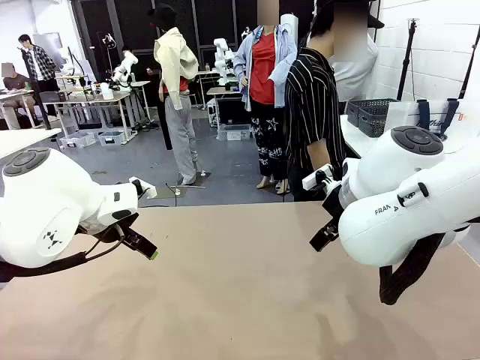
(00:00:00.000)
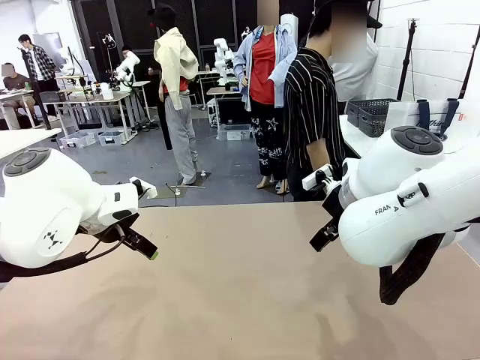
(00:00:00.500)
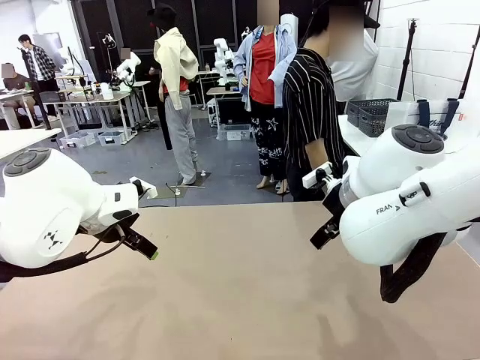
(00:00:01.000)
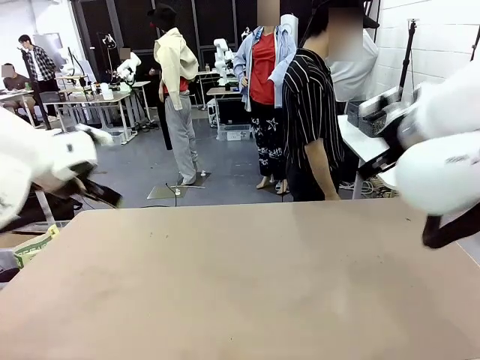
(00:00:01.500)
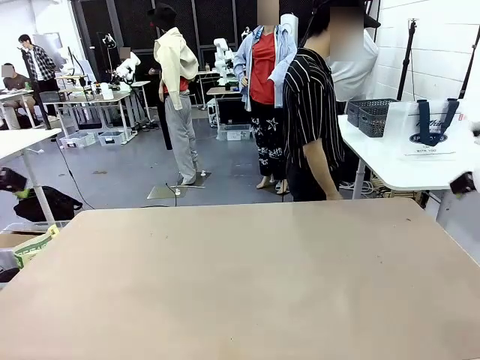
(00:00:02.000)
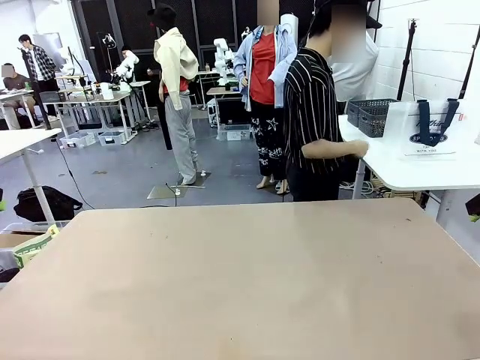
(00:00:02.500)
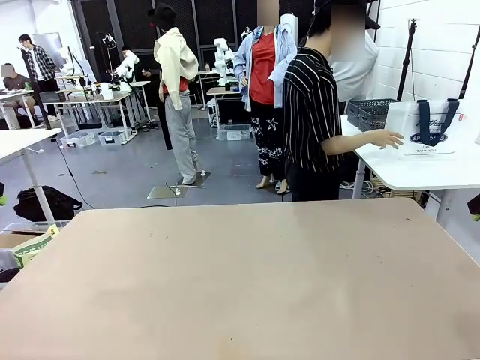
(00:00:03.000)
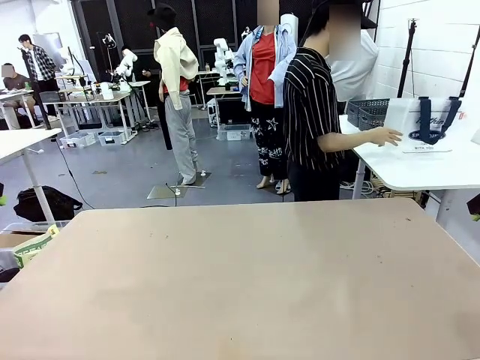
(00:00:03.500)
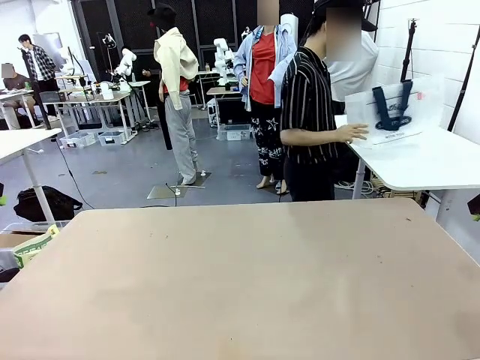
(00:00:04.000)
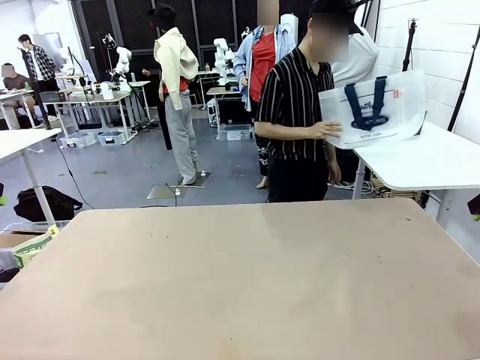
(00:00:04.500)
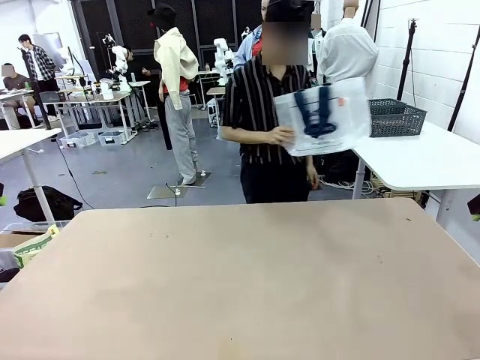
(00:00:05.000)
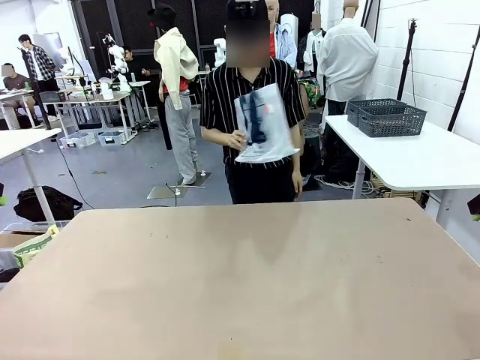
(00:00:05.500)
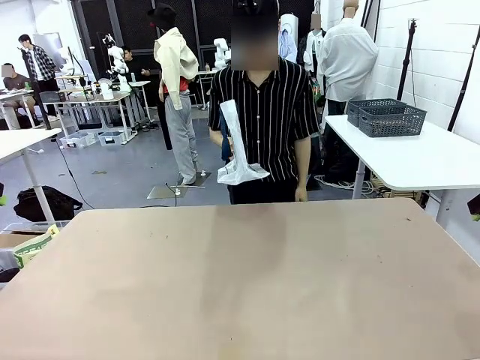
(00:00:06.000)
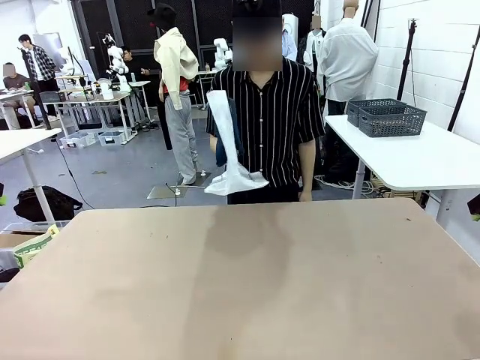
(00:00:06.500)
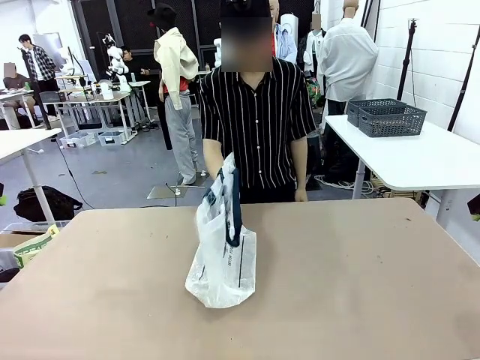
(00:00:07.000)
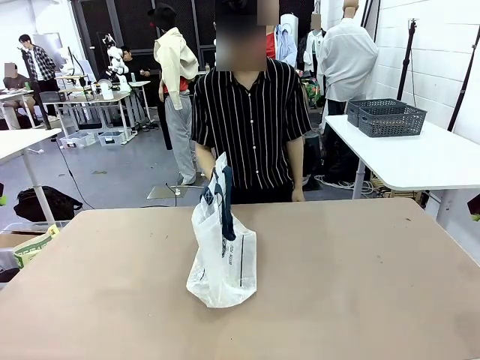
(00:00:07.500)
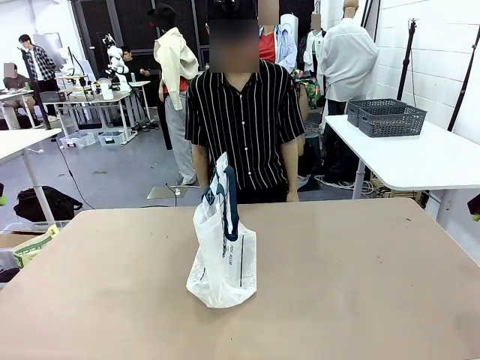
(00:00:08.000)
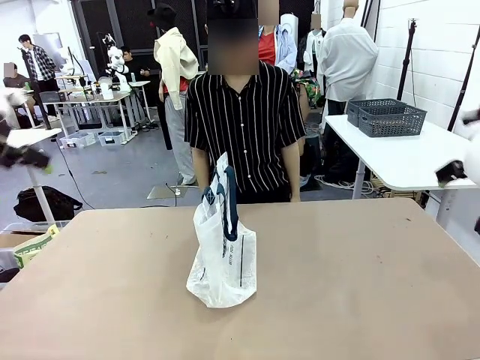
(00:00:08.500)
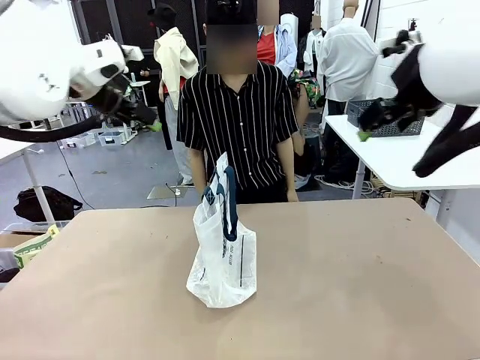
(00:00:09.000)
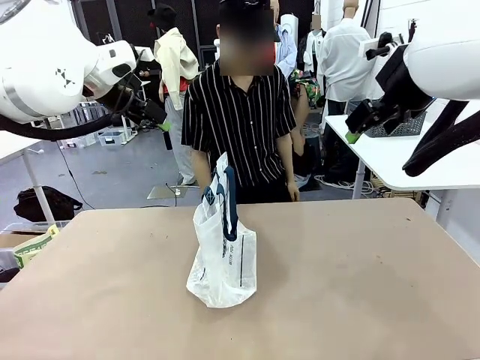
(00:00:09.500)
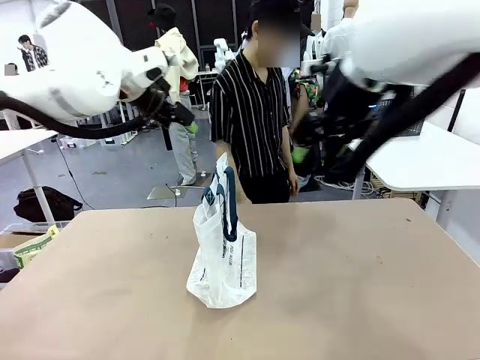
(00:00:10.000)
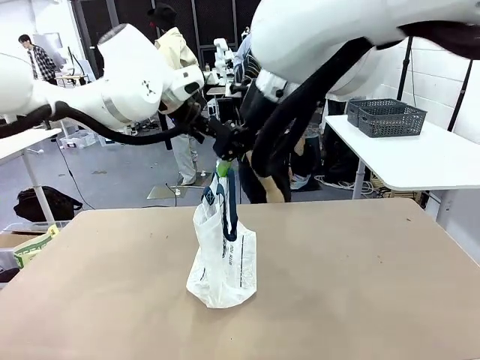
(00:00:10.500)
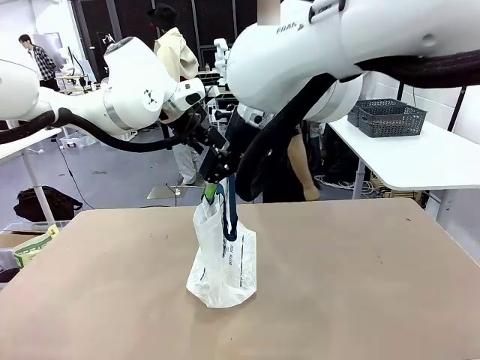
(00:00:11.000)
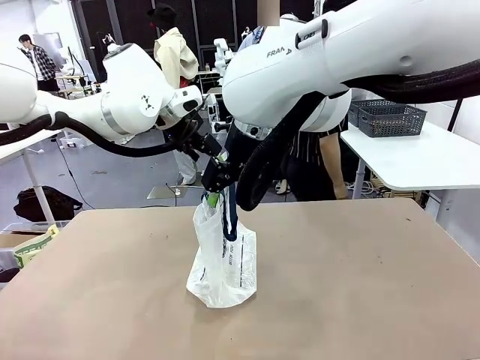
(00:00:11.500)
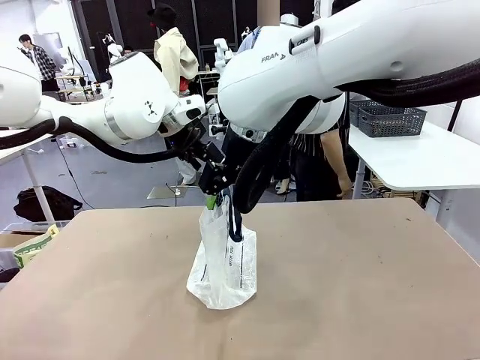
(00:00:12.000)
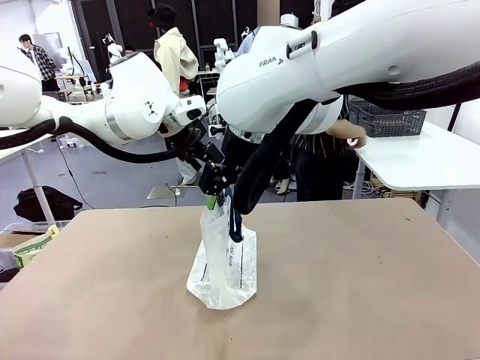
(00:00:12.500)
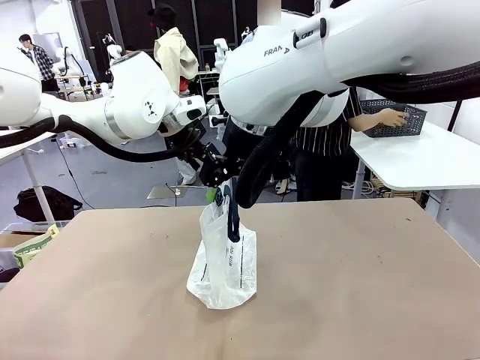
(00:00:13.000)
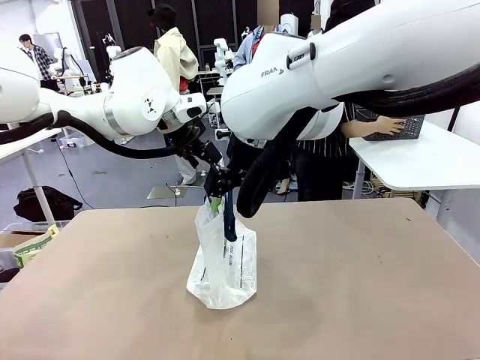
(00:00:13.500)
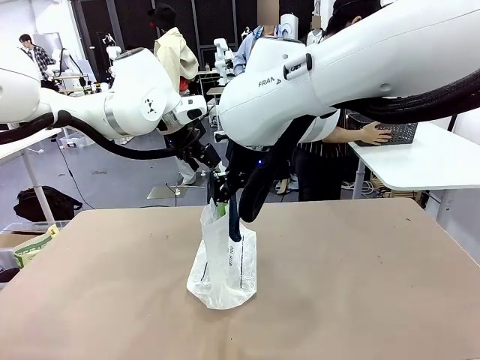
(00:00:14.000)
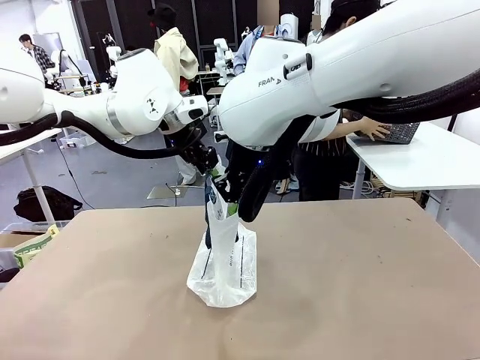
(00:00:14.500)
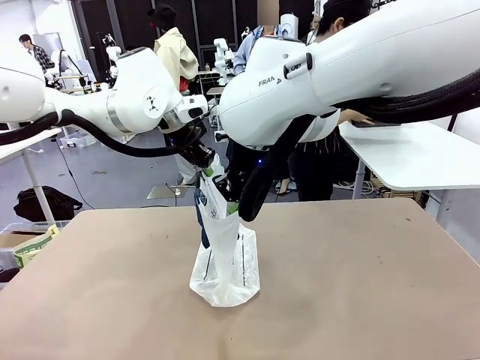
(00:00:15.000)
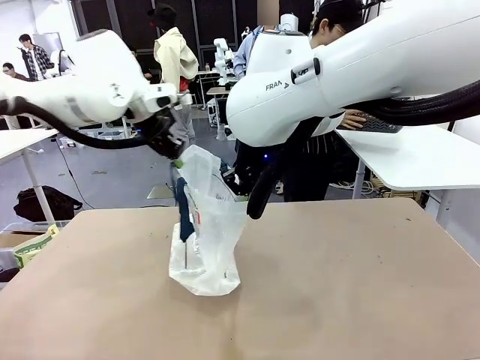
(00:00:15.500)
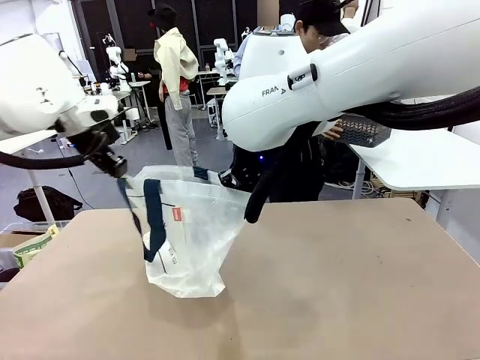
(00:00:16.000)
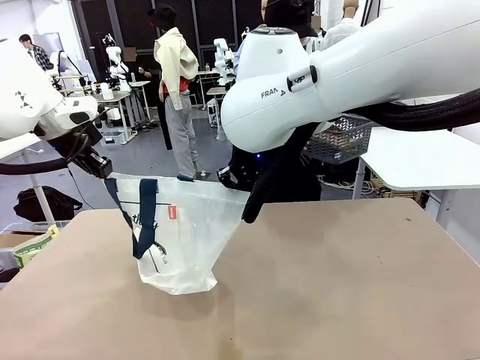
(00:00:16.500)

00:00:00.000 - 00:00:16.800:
Task: Transfer purchased items from the store into the shopping bag.
Robot: Open the Reusable shopping bag in the center of the table.
Person: Pick up the shopping bag and place it in the middle of the robot table. Pick up the basket on the right, place it on the left side of the robot table, and move the items in the basket to the shopping bag.

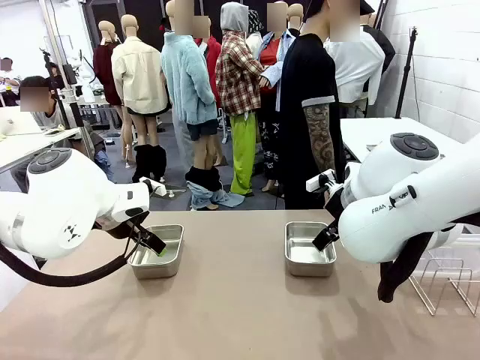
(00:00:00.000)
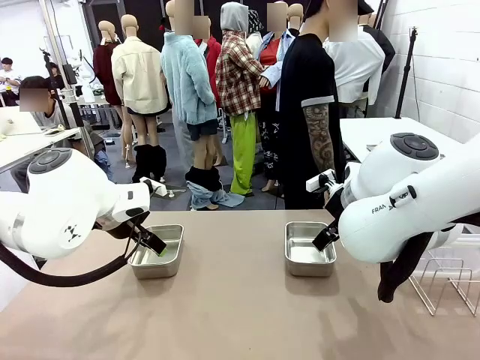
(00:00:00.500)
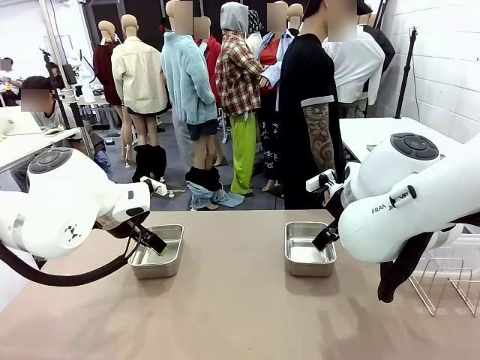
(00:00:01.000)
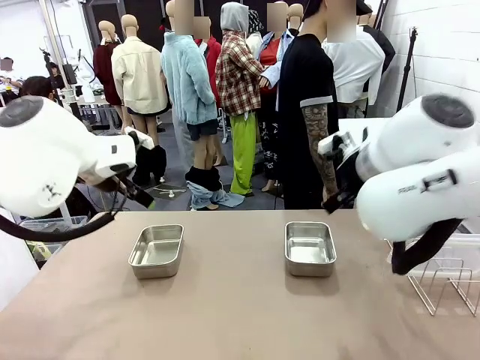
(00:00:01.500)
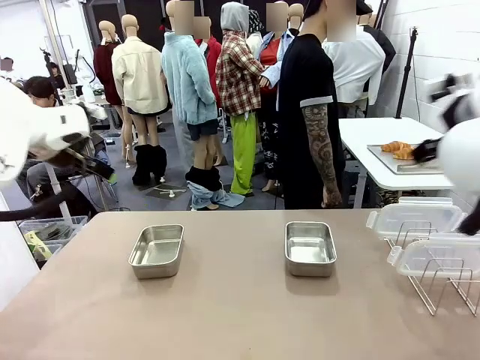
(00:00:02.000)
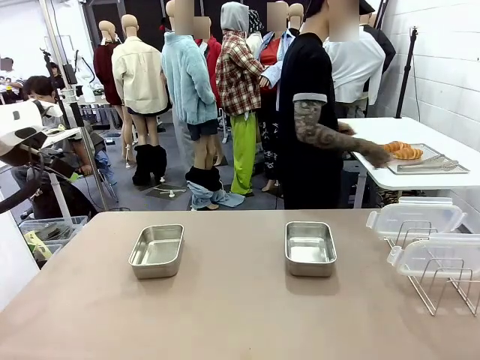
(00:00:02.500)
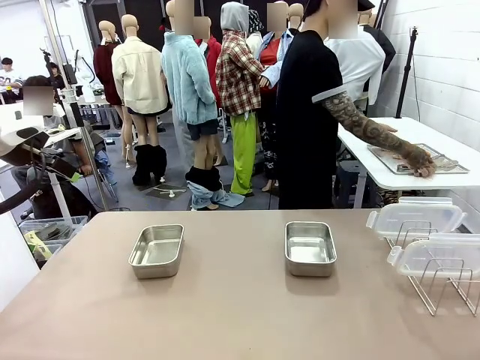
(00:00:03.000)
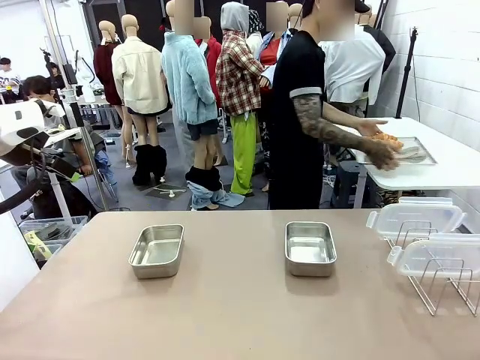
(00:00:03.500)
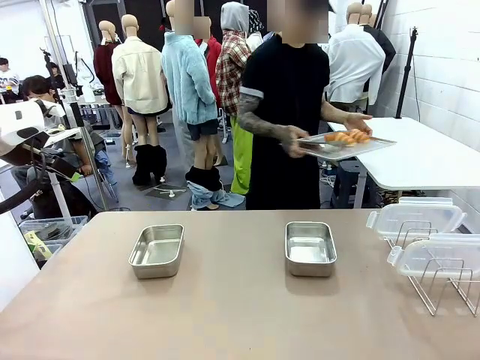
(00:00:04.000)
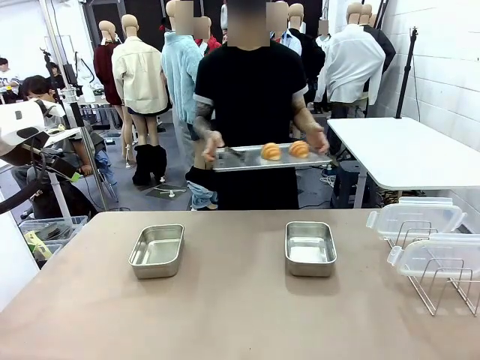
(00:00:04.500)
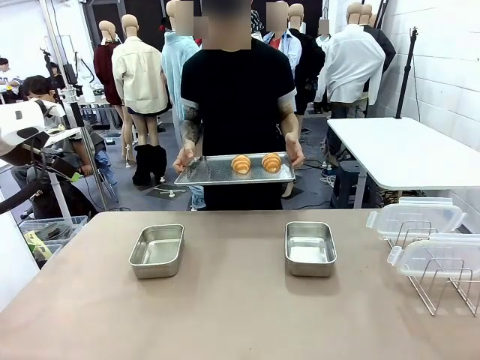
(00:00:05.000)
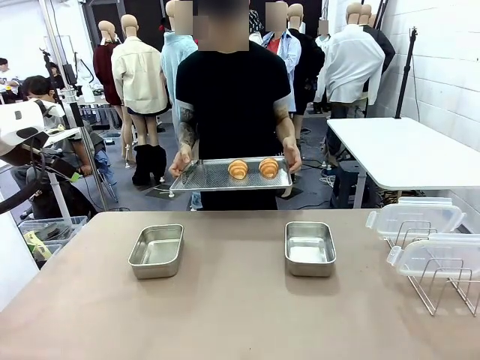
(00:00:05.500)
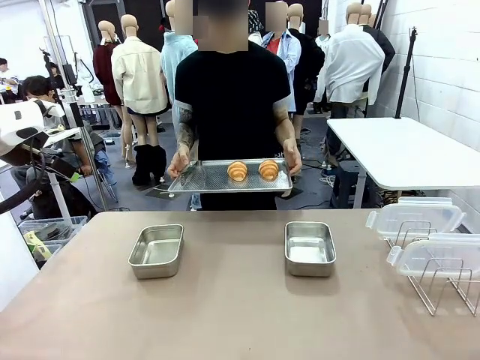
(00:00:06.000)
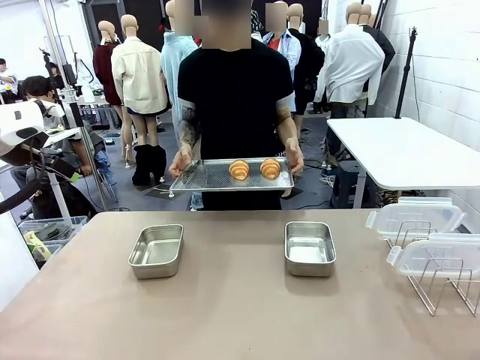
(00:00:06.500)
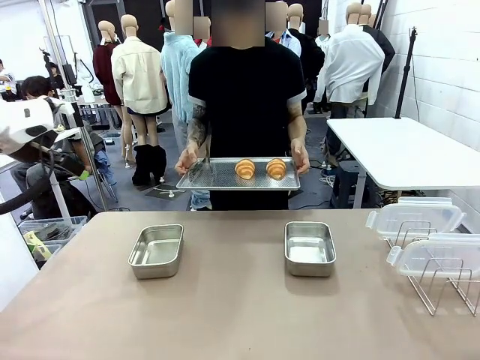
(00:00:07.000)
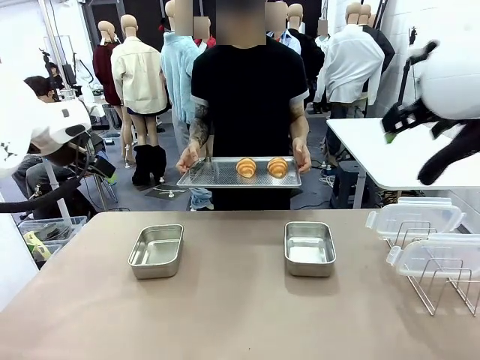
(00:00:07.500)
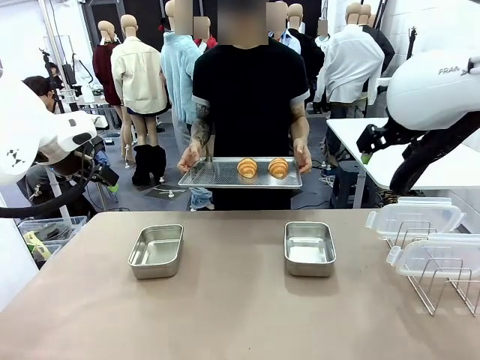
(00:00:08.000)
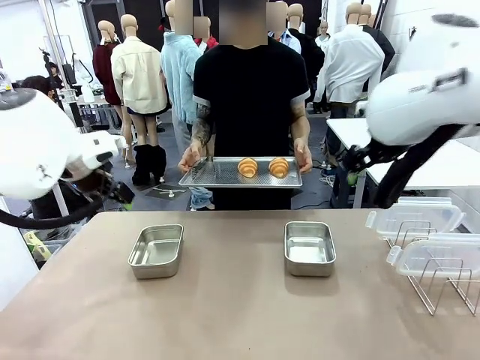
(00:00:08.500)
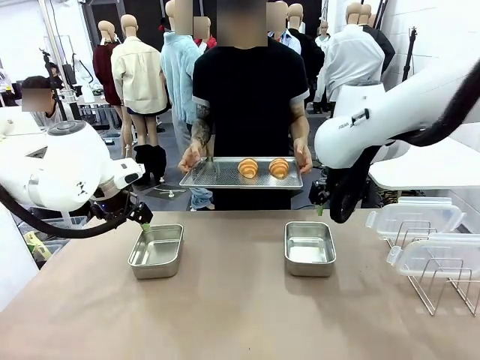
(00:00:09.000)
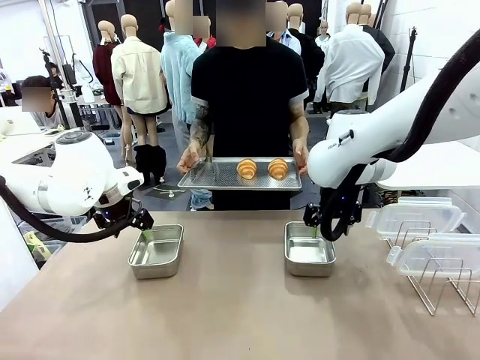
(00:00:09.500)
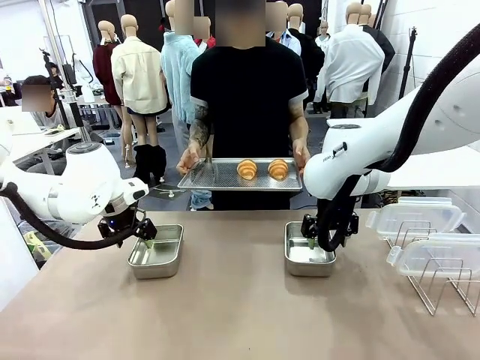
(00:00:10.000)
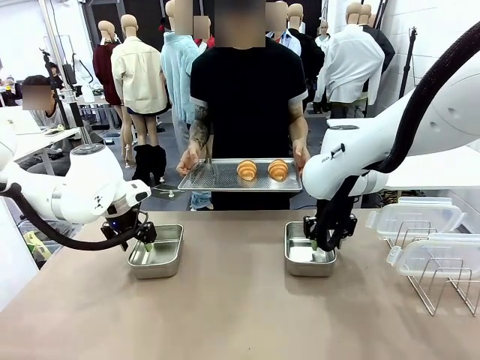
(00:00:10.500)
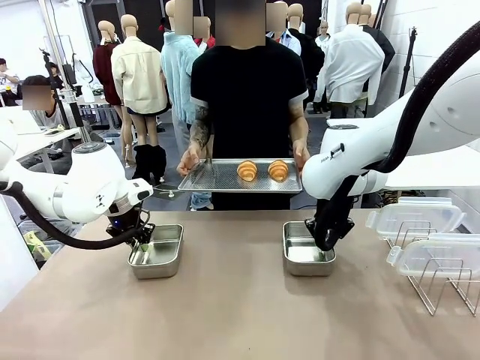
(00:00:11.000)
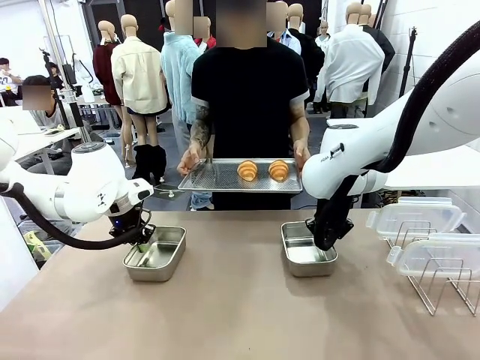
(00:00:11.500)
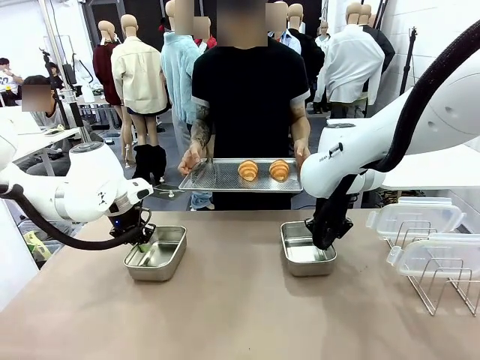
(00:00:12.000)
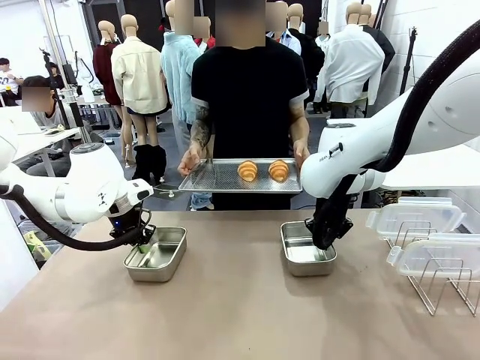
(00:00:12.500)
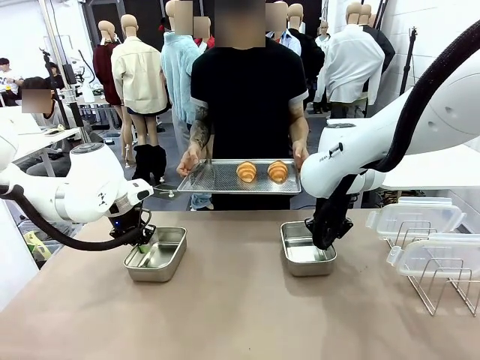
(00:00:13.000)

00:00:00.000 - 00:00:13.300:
Task: Place the bread in airtight containers.
Robot: Lift both Airtight Container.
Person: Bring the Baking Sheet in front of Robot's Table.
